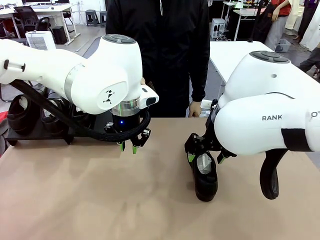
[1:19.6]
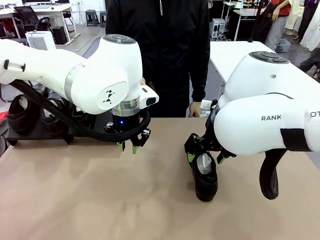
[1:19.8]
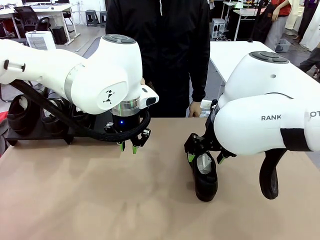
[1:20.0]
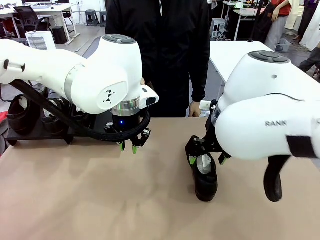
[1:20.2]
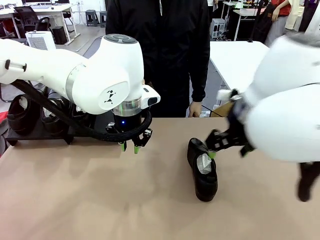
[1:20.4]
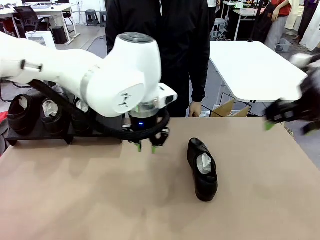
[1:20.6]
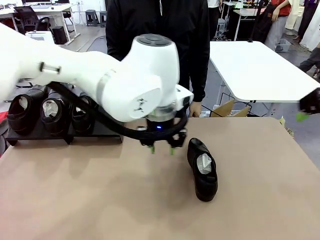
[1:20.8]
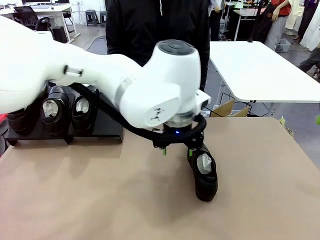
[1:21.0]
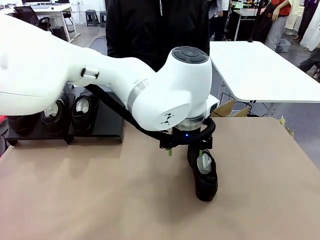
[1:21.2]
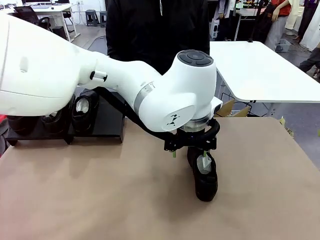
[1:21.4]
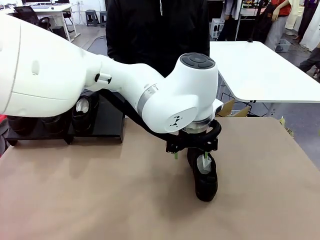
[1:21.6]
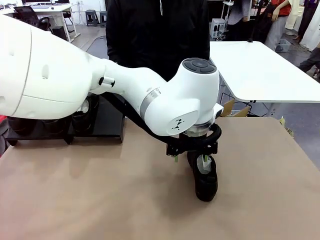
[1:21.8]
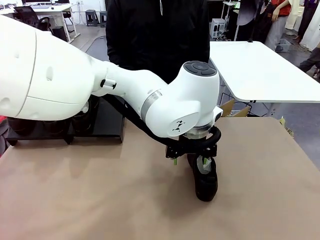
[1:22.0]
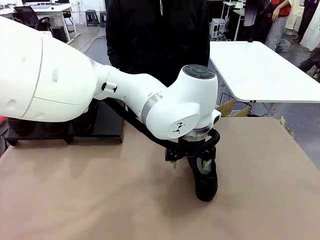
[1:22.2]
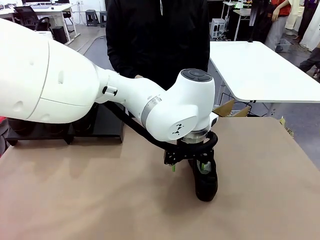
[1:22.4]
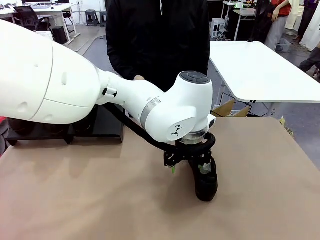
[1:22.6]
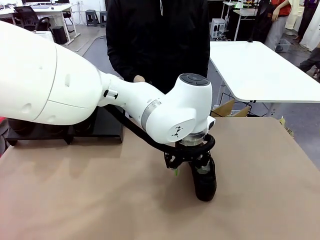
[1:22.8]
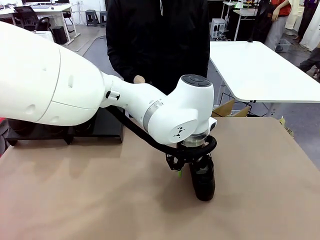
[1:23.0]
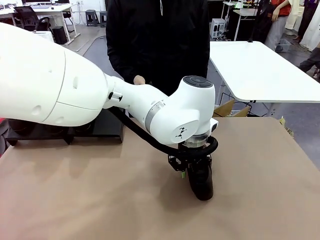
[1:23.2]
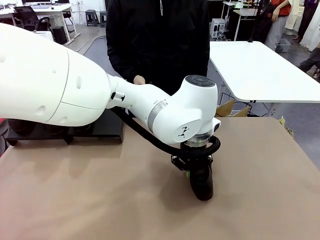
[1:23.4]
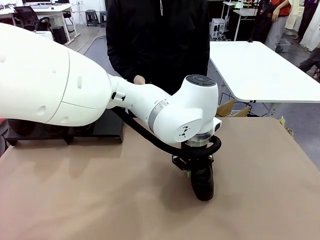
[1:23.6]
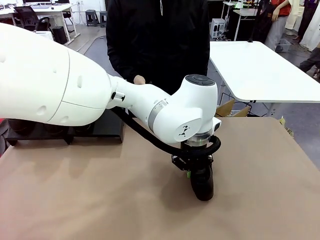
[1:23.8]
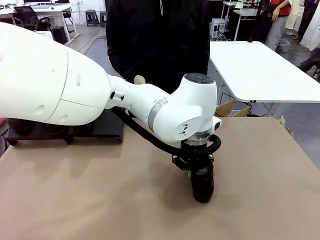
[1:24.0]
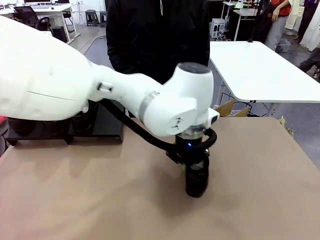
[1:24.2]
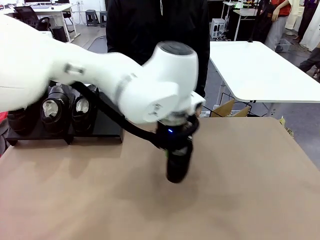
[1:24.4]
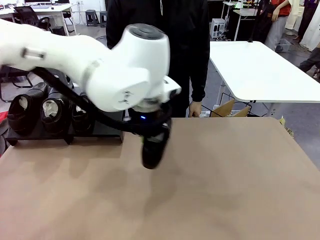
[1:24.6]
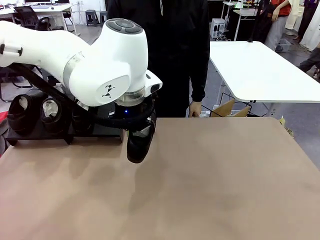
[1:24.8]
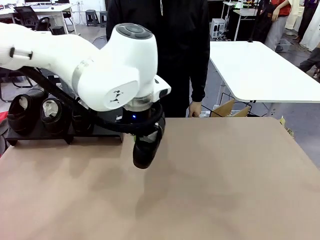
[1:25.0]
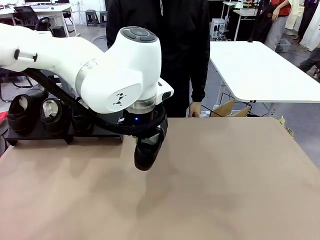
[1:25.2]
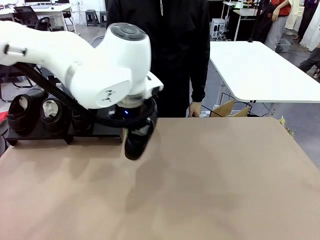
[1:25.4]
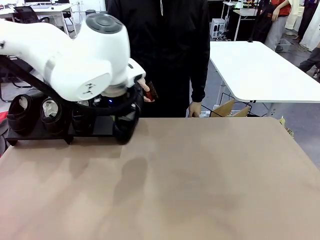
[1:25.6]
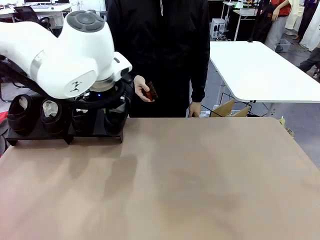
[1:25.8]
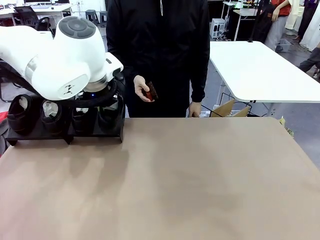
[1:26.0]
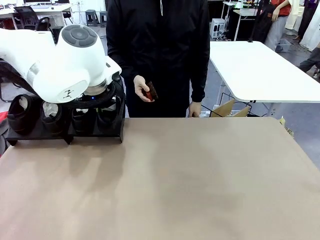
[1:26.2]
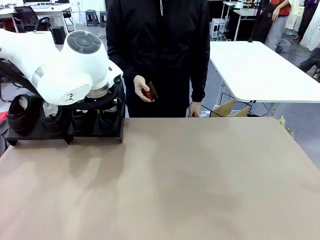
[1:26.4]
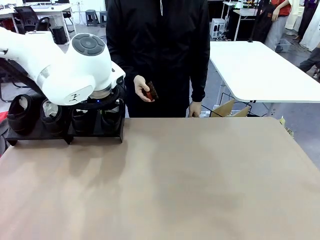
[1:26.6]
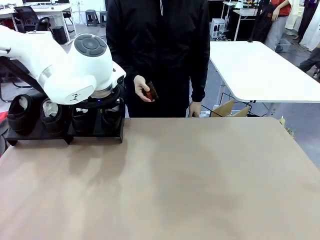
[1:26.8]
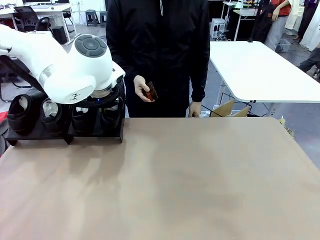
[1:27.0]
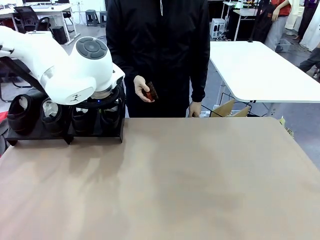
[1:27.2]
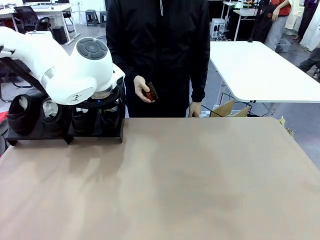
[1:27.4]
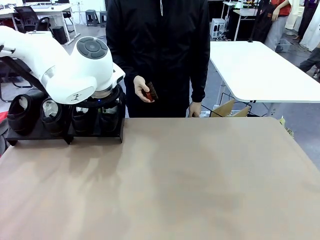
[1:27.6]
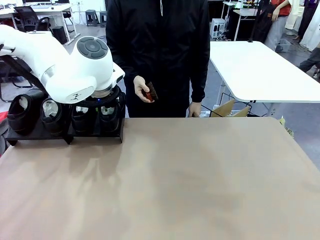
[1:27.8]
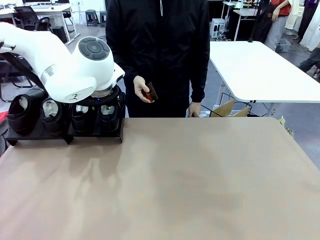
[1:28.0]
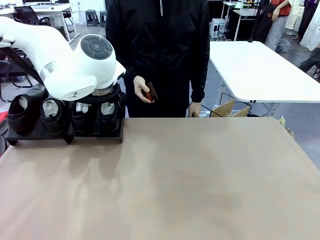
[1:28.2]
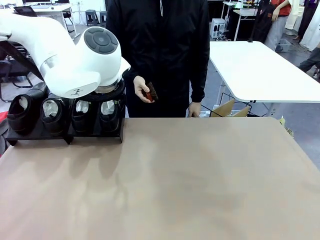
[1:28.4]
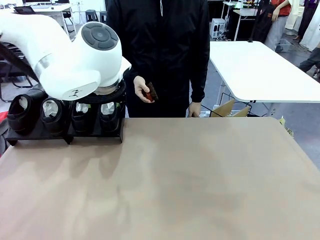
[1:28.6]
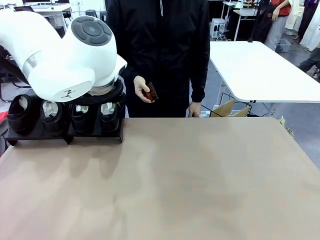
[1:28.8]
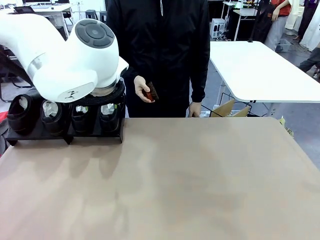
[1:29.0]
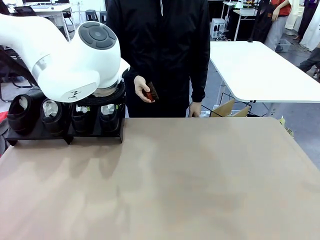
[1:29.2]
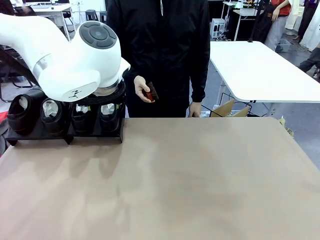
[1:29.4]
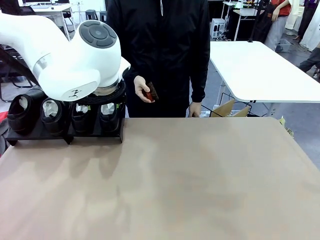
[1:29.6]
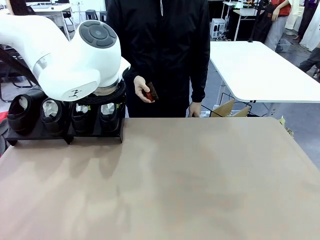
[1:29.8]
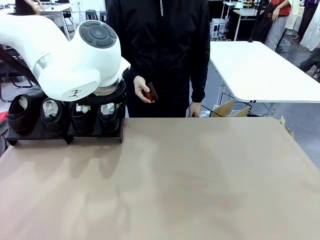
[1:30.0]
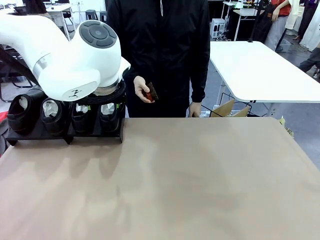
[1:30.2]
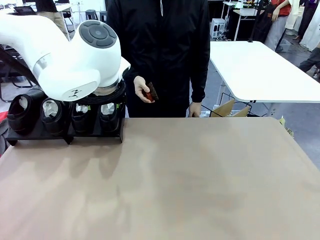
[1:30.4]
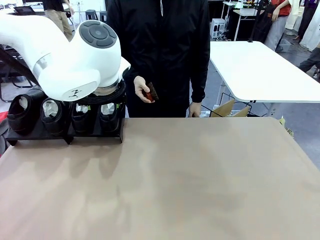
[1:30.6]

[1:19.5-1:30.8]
Task: Organize the shoes by placing them on the stand.
Robot: Place the Shoe from the middle of the table onto the Shoes Stand.

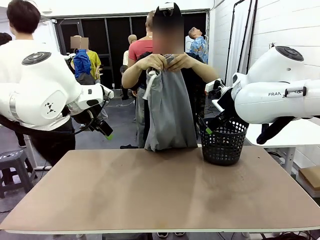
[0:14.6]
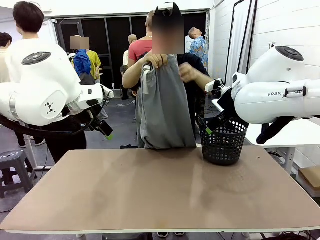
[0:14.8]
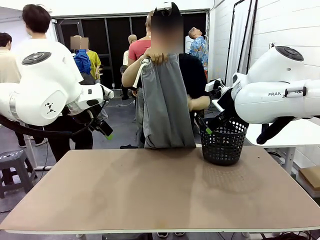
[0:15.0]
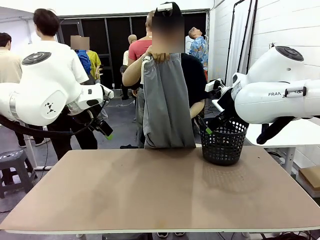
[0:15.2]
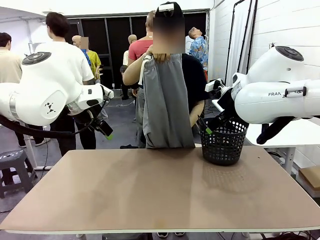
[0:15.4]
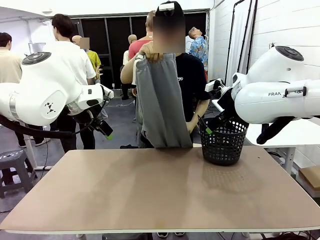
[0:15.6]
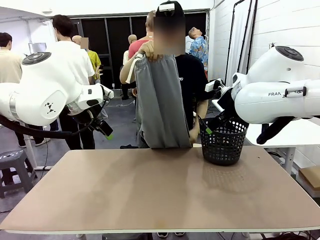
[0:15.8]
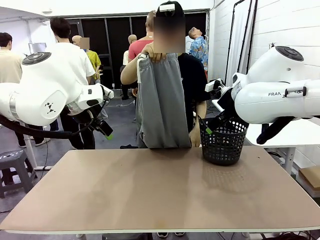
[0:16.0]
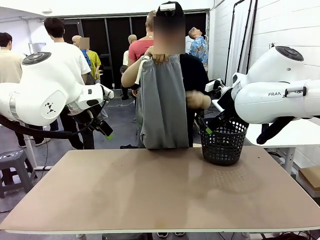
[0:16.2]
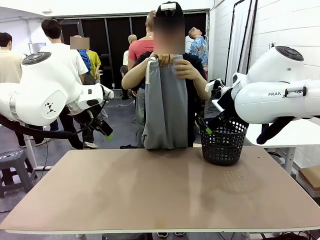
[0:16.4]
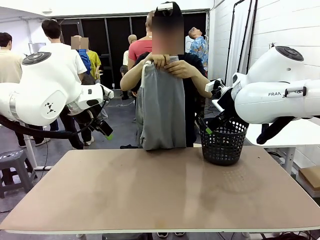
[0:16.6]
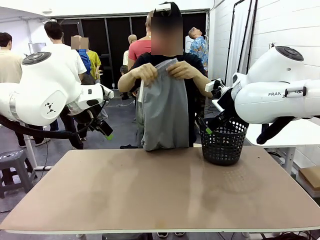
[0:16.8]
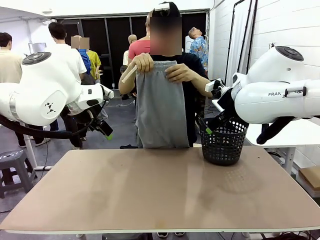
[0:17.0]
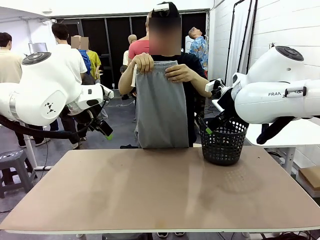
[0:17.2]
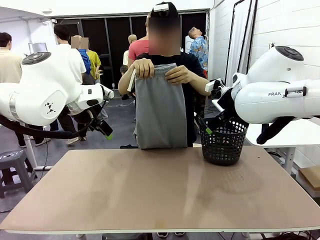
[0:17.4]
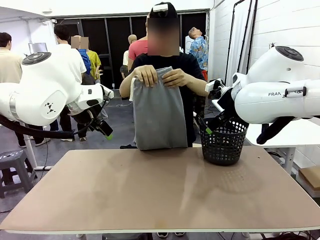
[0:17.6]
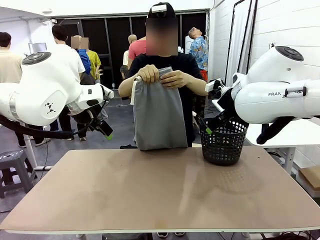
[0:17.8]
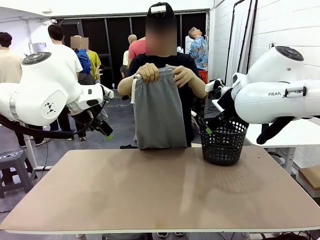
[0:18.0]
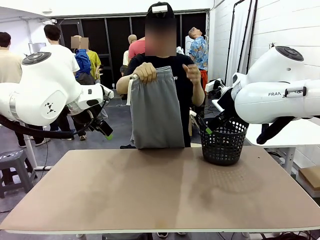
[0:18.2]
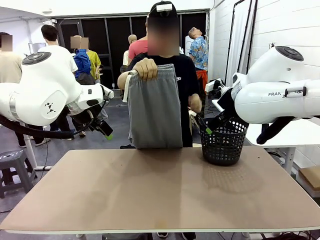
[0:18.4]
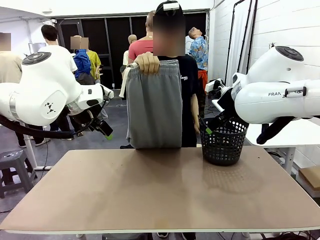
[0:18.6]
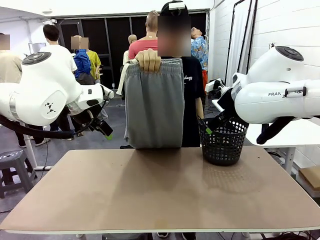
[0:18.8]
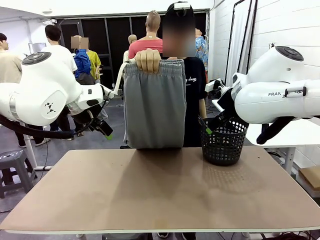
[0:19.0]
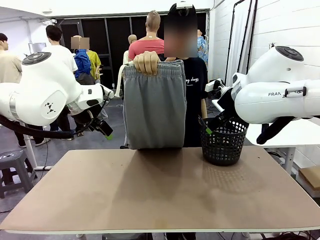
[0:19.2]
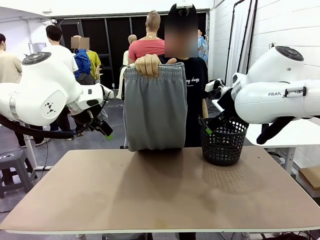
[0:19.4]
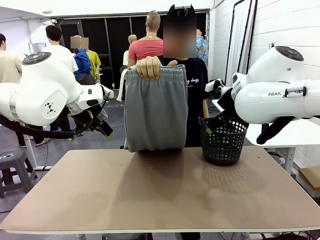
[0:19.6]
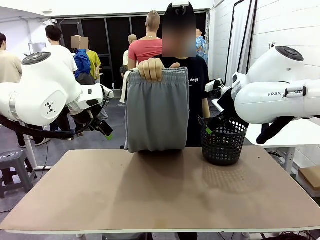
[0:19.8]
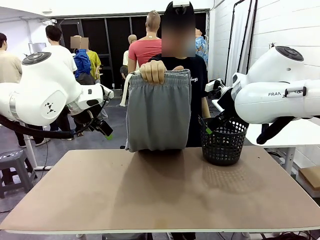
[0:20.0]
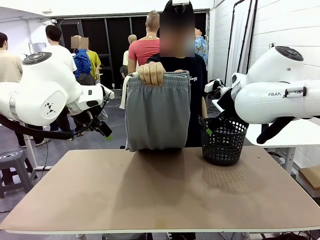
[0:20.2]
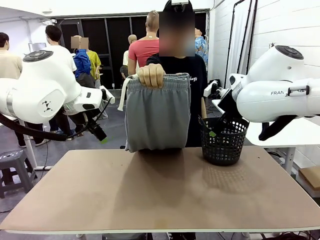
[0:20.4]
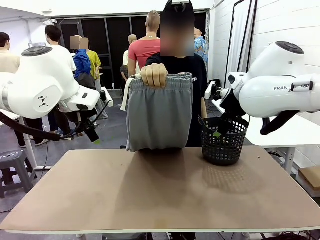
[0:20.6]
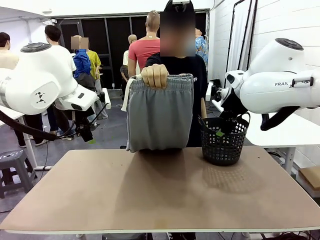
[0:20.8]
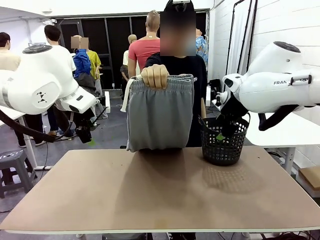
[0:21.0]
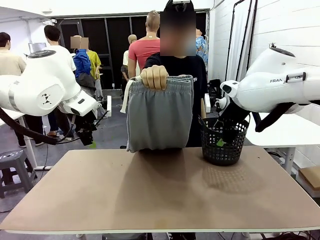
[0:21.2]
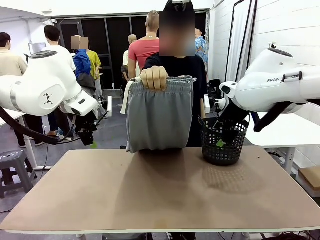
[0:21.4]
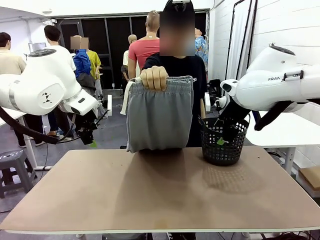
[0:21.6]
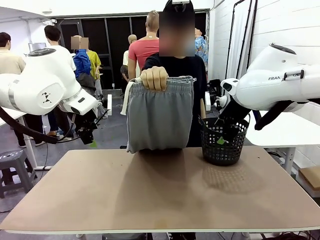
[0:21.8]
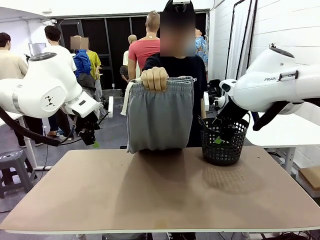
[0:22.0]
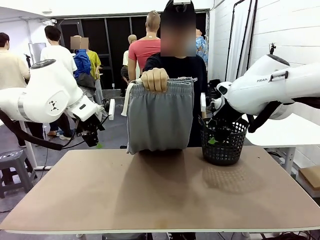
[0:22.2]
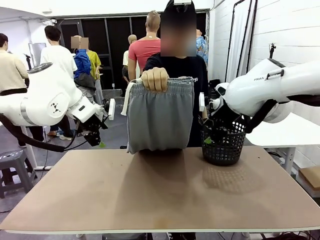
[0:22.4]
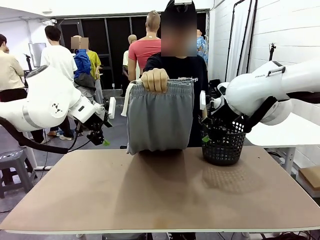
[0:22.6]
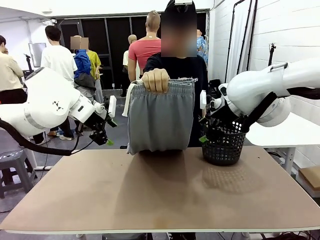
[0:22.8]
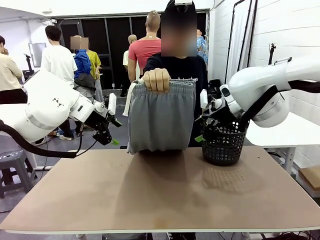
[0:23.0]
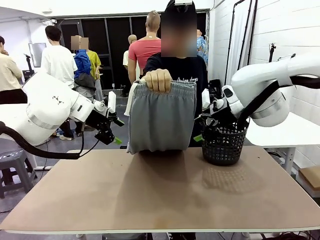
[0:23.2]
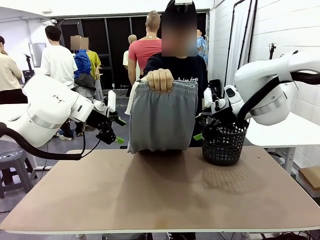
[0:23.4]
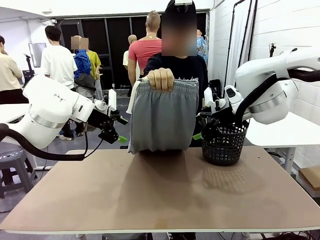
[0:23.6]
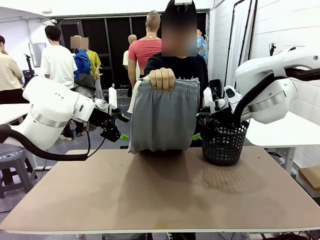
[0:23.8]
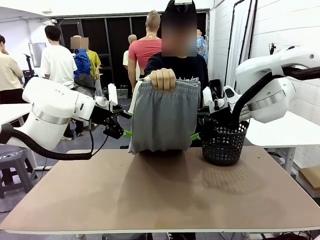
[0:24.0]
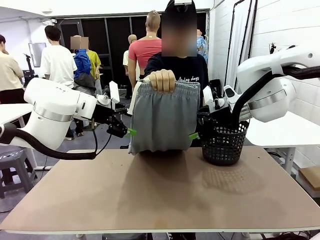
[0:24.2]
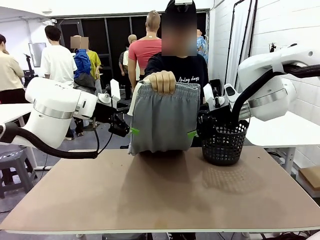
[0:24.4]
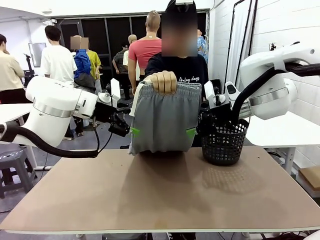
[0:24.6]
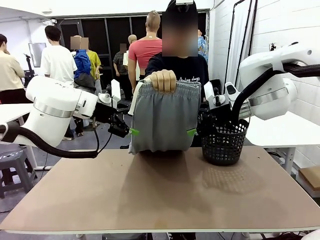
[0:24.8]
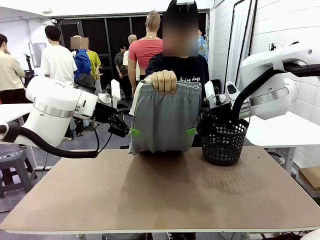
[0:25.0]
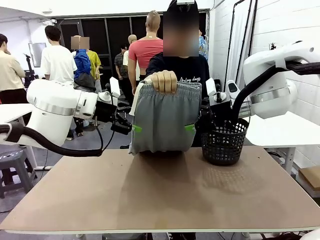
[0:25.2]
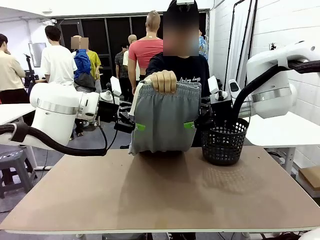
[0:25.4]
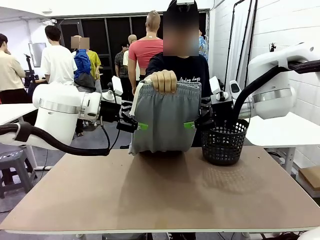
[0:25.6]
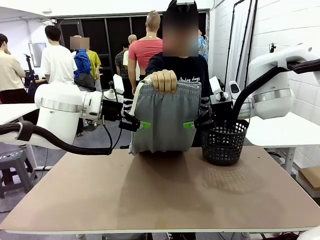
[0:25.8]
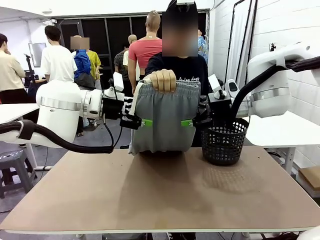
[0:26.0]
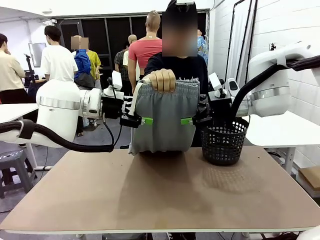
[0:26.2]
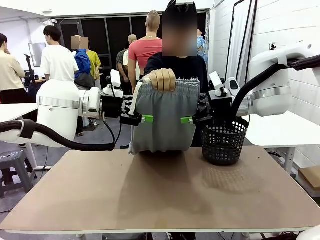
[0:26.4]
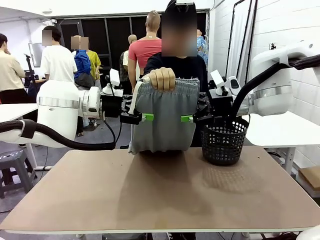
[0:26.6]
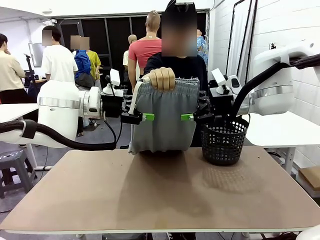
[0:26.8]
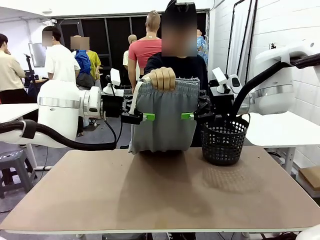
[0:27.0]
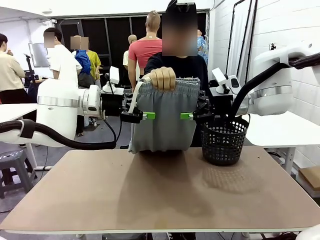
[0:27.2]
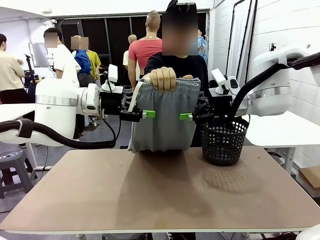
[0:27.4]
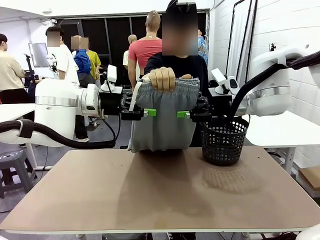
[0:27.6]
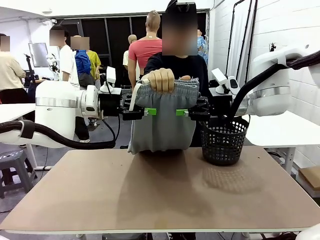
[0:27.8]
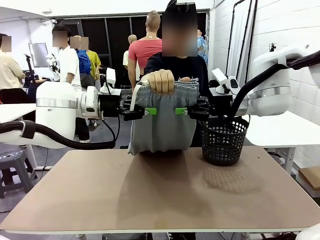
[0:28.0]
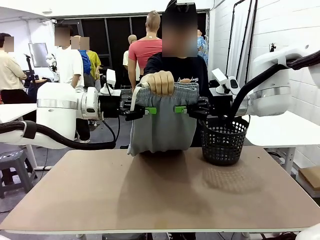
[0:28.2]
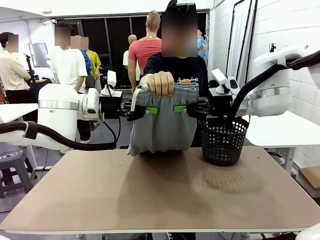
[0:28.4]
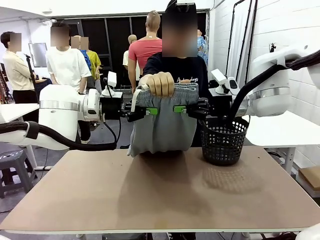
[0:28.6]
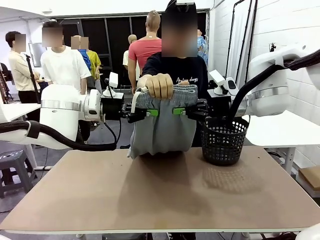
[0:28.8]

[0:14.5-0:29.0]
Task: Fold the training pants.
Robot: Grab both ends of the Training pants handed by a person.
